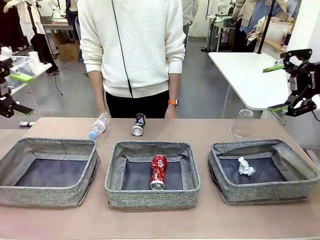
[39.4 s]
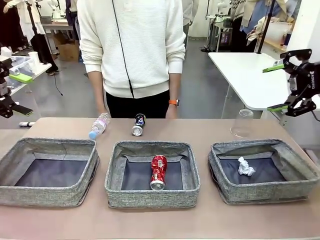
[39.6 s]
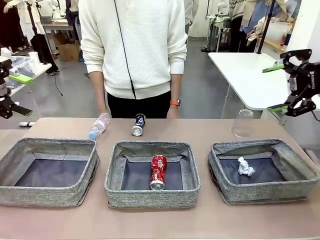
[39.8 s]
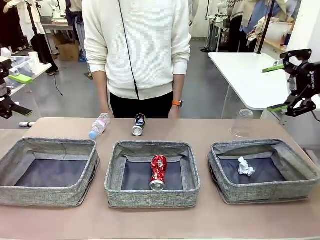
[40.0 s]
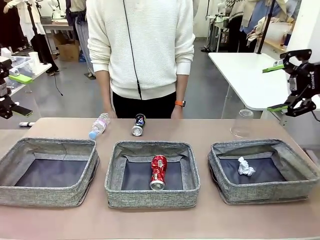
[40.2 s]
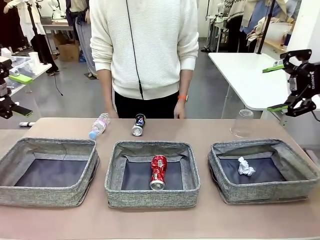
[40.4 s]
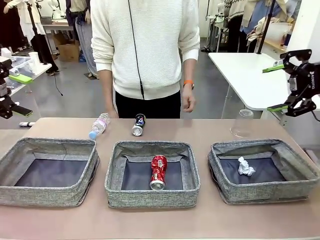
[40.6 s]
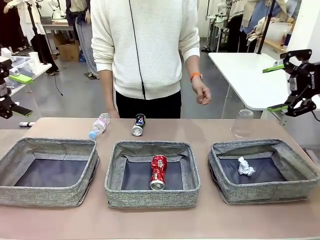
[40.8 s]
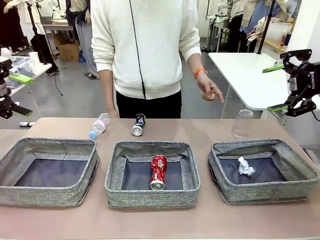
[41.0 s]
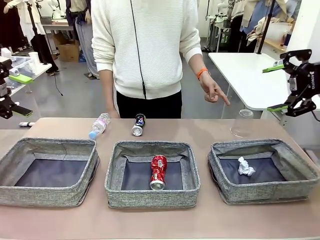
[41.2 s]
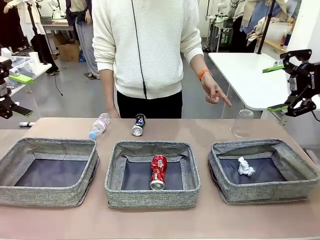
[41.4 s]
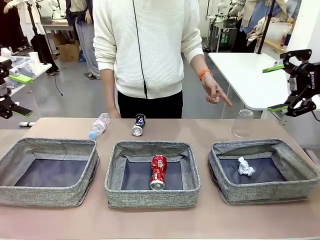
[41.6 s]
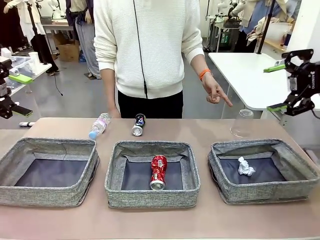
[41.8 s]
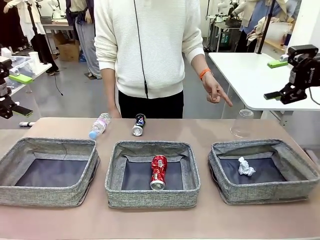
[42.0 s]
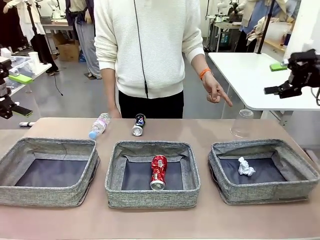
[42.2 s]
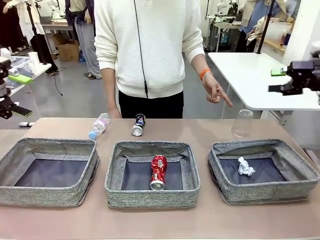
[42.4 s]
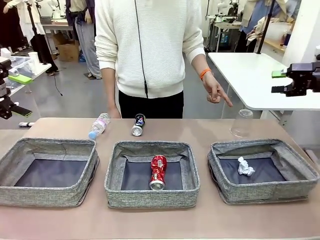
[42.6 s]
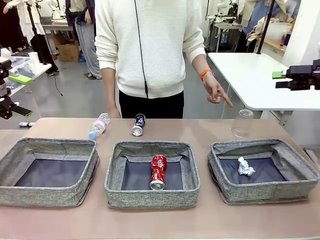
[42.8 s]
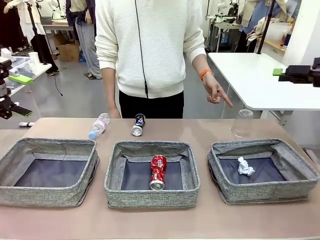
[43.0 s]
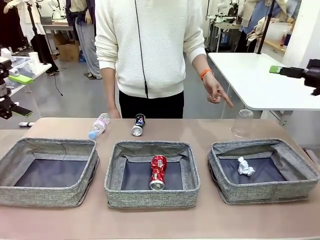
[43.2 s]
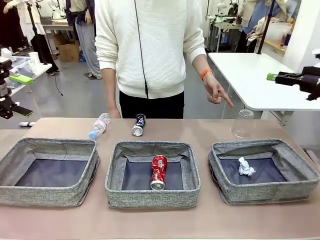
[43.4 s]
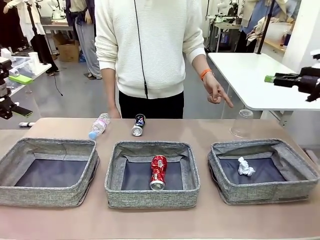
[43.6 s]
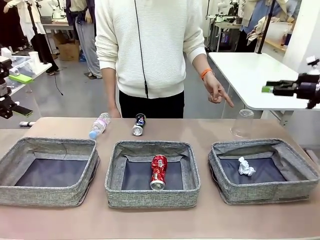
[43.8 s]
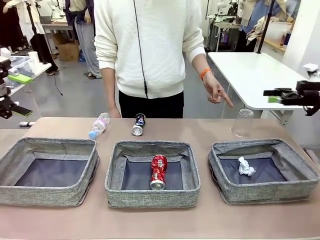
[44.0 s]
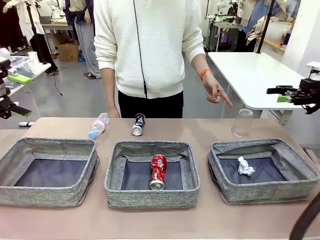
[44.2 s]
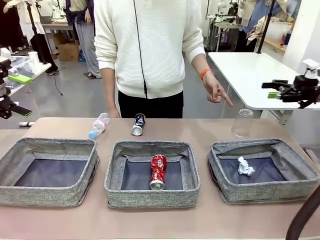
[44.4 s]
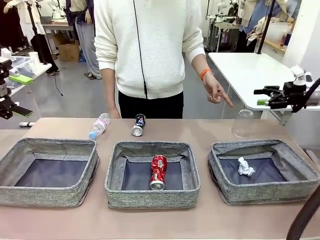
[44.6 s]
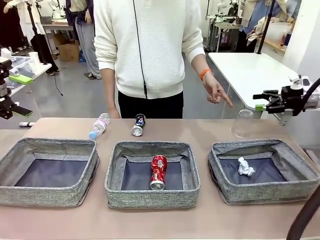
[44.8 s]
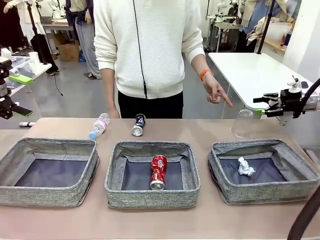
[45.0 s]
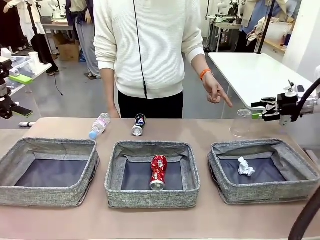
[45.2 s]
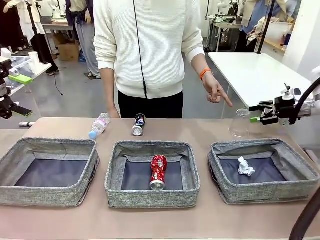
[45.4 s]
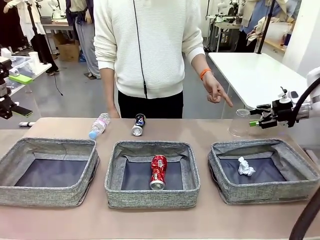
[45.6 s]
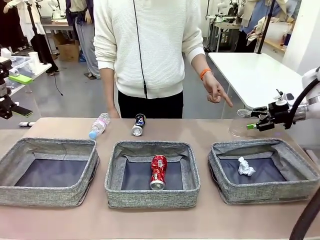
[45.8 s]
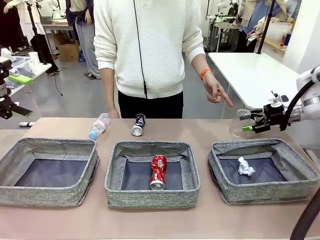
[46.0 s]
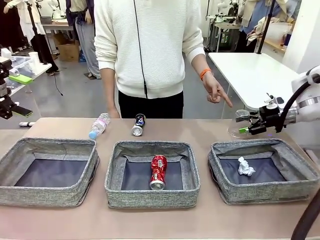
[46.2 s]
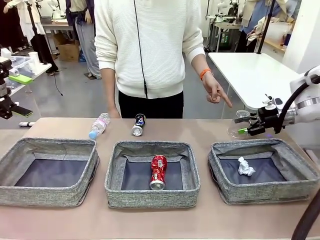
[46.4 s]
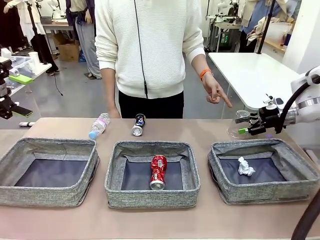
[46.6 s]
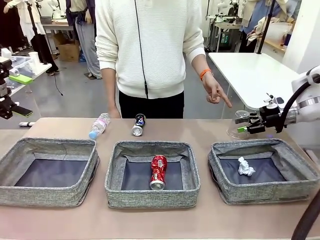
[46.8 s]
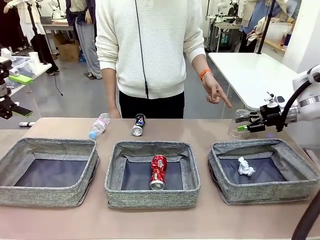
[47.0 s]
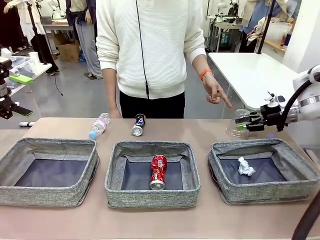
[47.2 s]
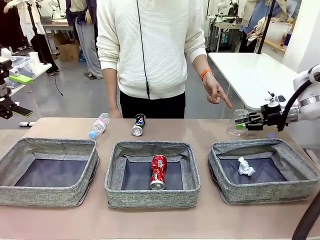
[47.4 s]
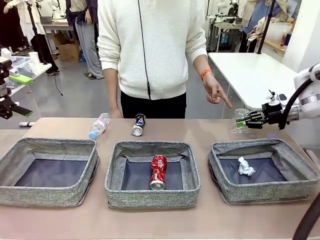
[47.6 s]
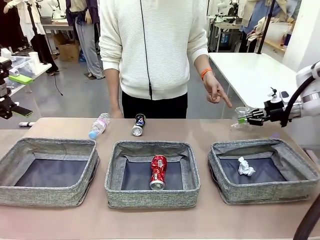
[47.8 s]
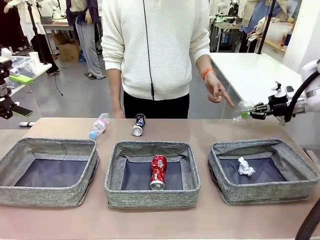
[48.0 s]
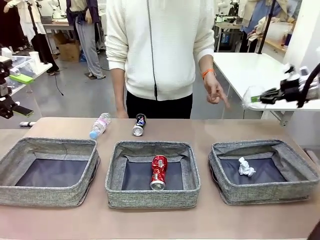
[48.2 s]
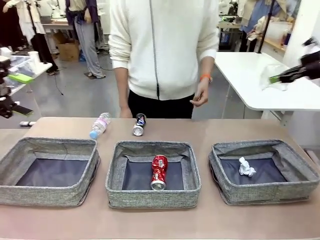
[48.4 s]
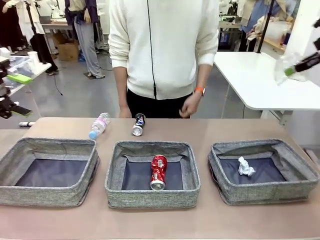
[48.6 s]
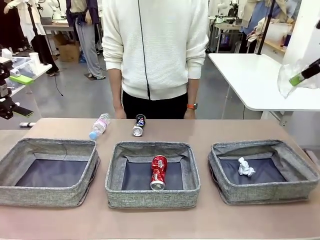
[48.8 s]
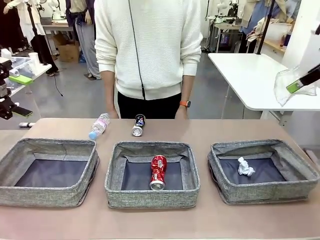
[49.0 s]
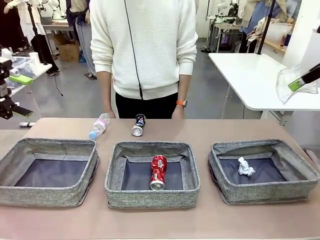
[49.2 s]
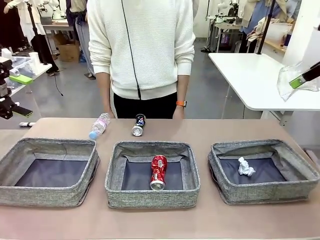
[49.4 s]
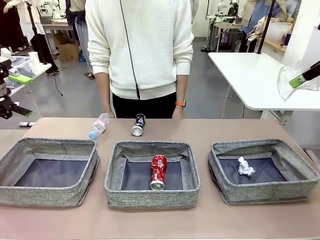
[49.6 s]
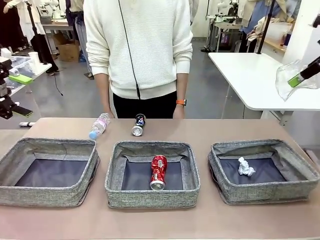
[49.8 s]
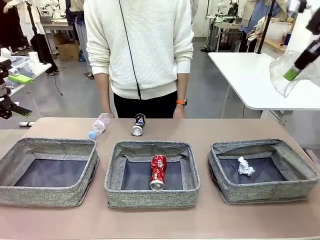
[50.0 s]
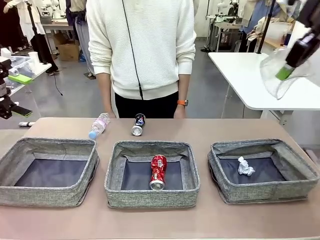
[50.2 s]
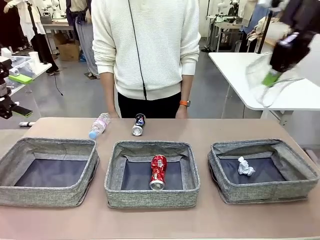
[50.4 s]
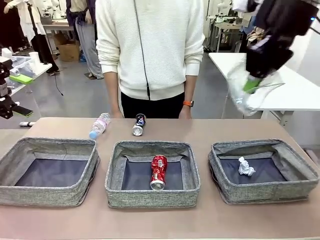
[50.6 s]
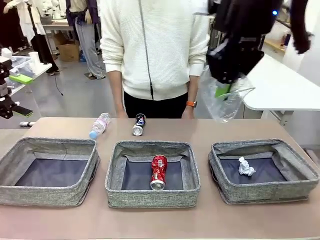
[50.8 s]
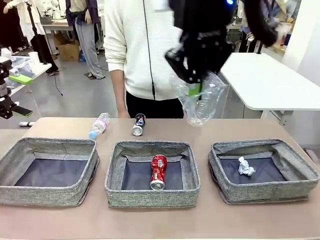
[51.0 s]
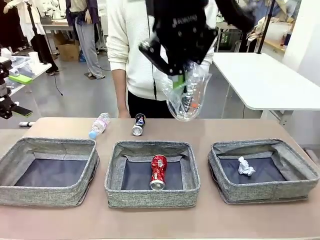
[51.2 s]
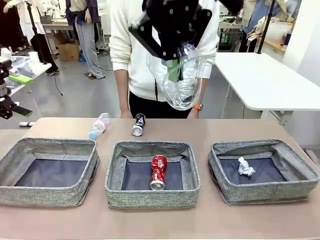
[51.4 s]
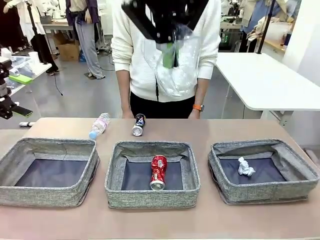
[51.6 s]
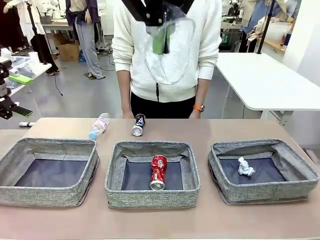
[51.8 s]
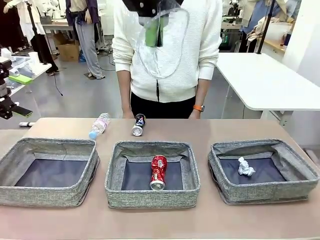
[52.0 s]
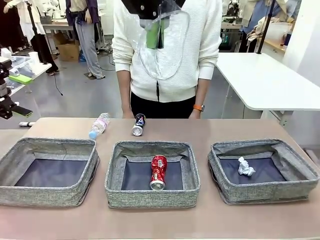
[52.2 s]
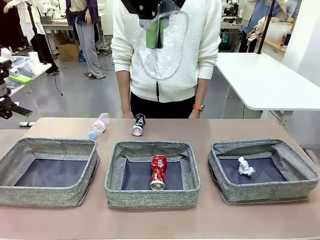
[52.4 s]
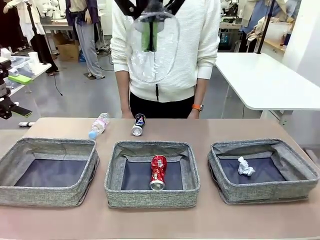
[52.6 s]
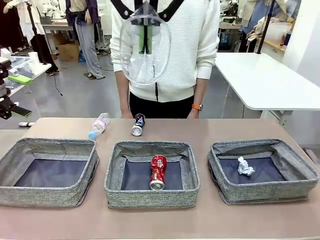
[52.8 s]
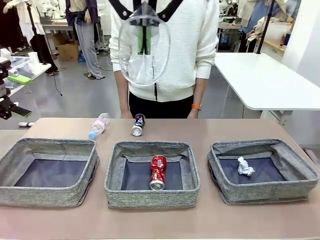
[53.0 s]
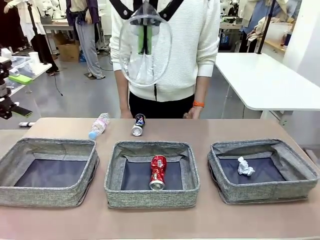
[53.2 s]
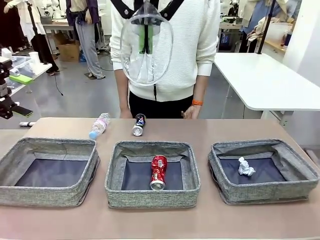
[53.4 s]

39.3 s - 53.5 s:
Task: Sort the waste into the appropriate baskets.
Robot: Pick up the waste item pointed out by the person.
Person: Points to one piece of trash on the table.

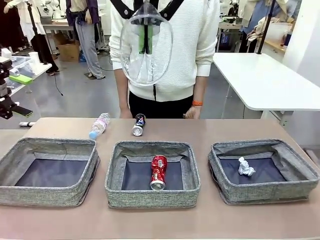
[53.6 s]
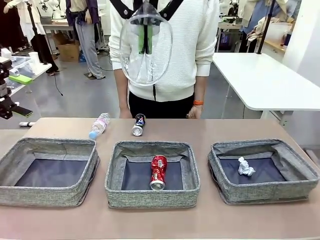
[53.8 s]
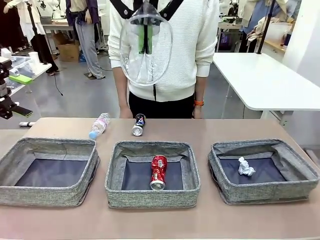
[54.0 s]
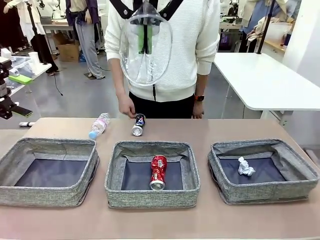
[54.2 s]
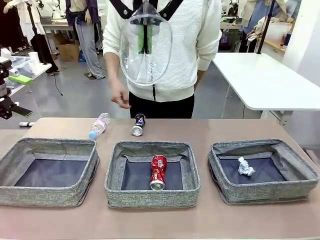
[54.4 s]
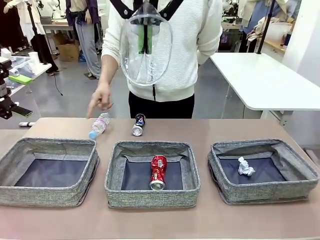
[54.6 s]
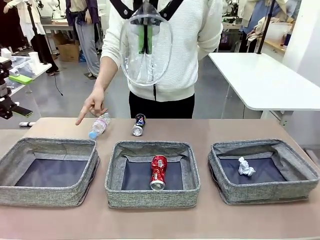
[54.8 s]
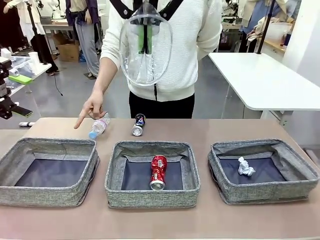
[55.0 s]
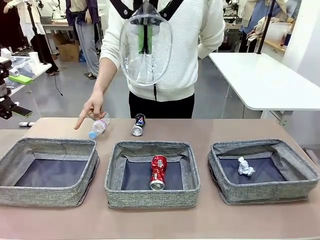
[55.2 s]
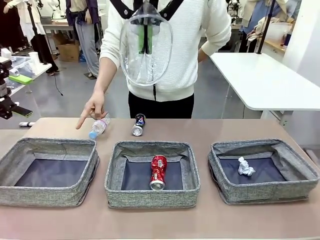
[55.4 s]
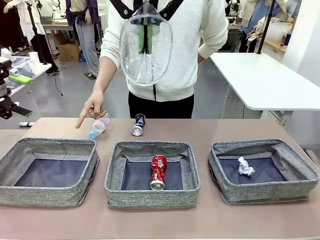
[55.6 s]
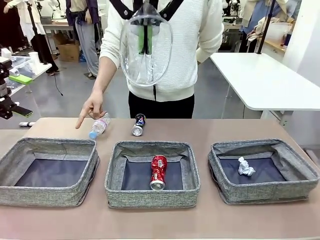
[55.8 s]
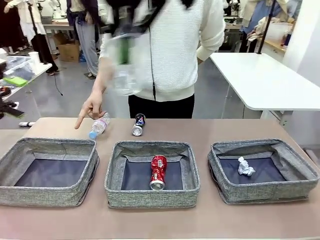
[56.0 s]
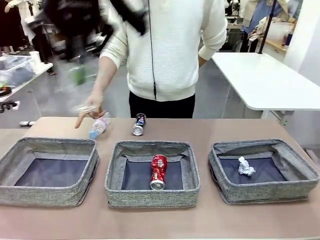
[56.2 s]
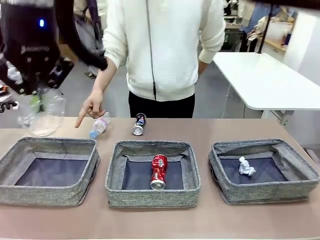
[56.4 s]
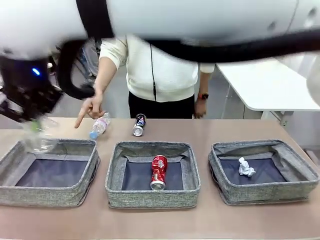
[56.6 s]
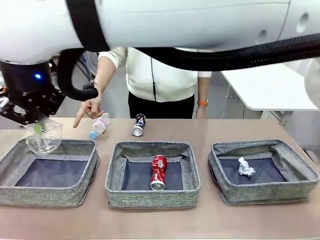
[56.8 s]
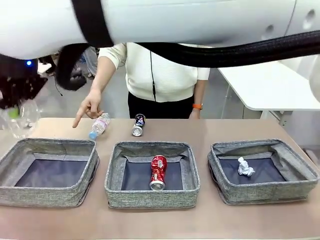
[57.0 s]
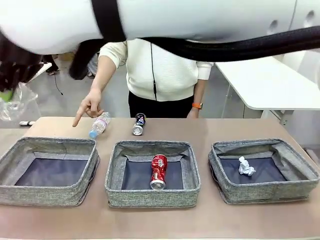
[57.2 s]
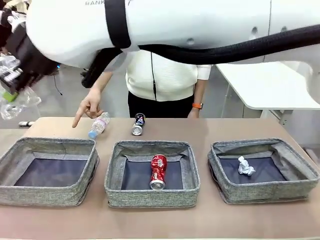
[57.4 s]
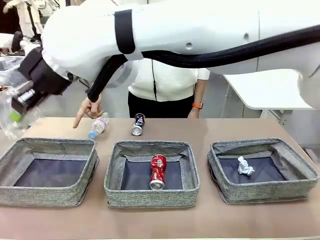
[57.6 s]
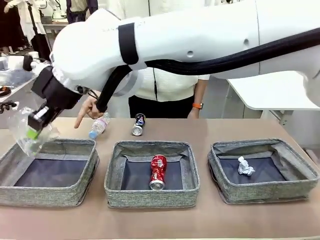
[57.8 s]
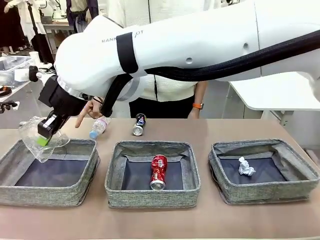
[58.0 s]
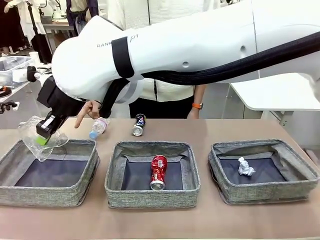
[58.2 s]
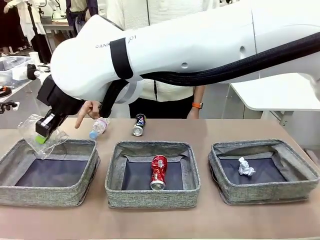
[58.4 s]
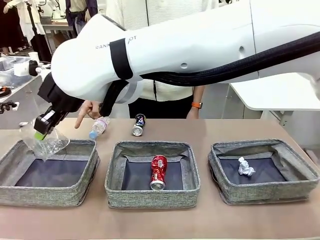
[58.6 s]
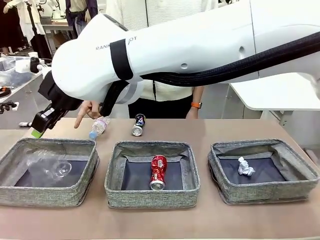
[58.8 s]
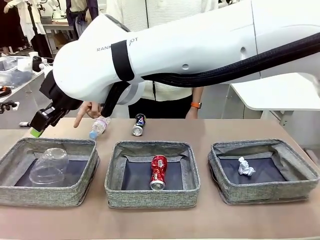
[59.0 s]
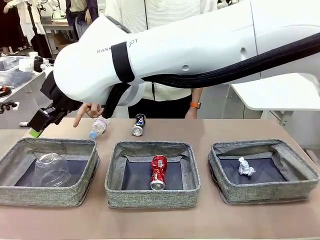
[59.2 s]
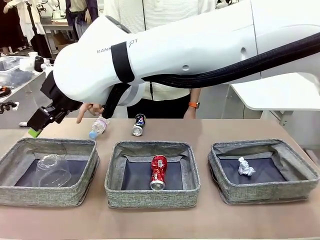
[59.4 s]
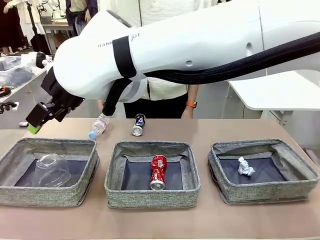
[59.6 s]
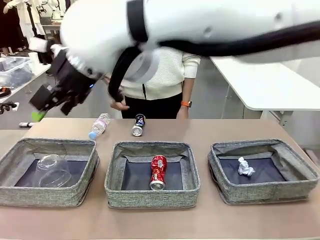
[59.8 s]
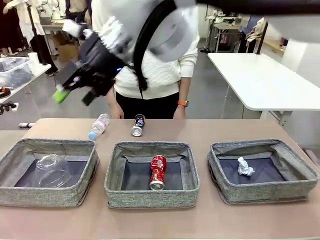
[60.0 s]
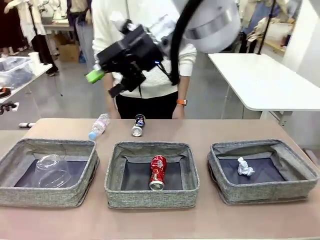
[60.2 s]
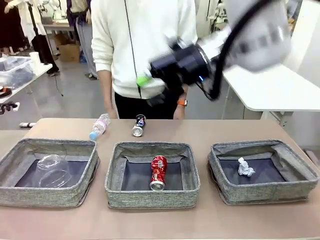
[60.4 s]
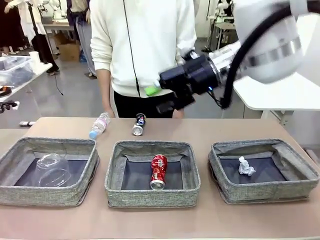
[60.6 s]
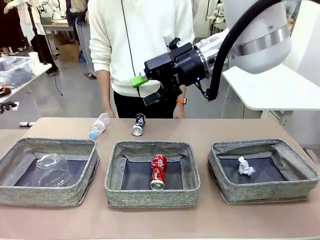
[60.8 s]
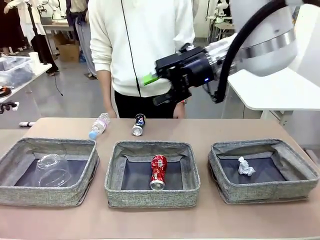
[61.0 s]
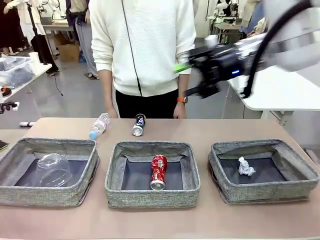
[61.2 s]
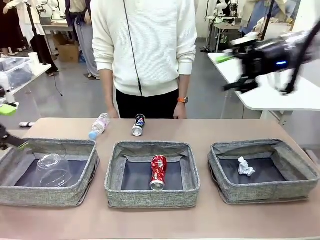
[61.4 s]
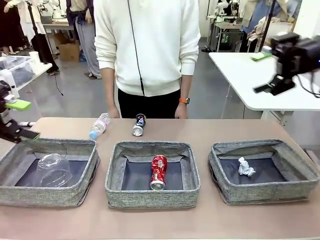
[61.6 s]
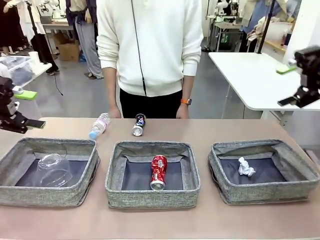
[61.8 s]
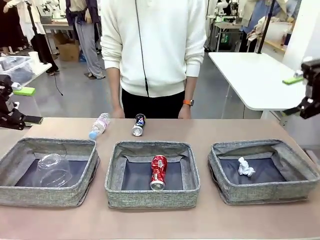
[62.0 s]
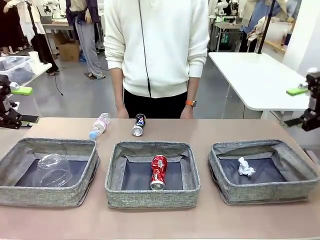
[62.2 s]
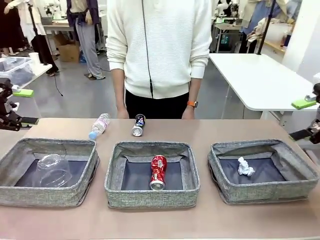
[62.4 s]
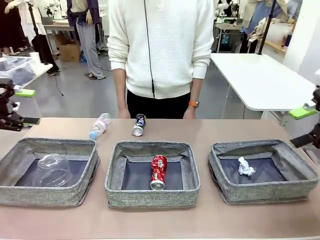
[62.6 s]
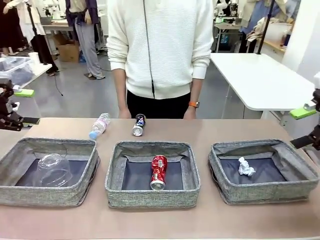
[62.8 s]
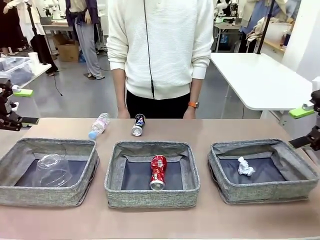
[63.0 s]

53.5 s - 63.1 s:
Robot: Place the picked waste into the Fabric basket indicated by the person.
Person: Instructs the robot to place the picked-up trash into the appropriate organizing basket.
